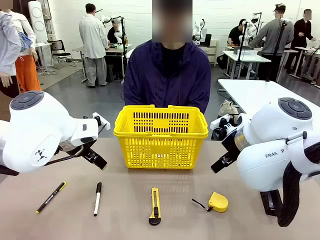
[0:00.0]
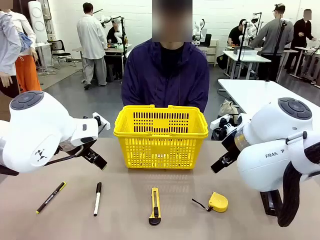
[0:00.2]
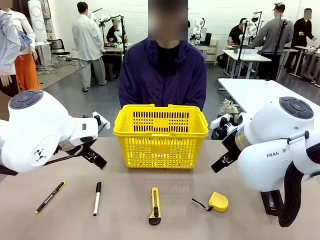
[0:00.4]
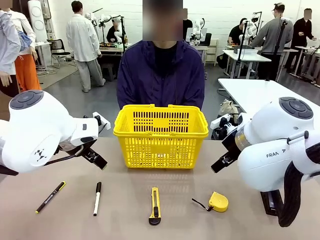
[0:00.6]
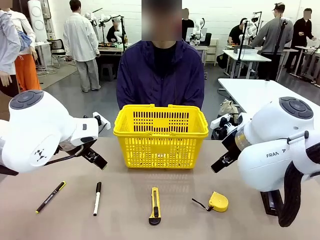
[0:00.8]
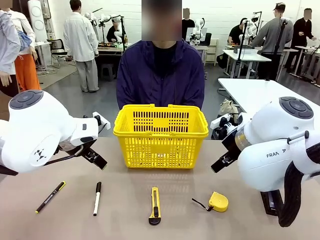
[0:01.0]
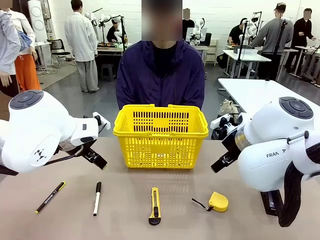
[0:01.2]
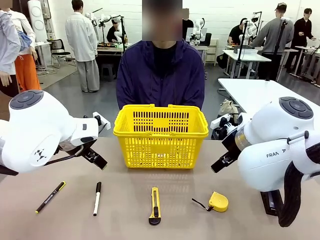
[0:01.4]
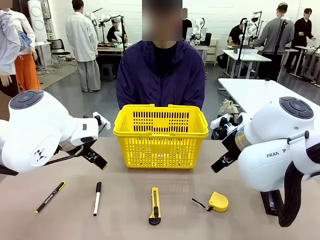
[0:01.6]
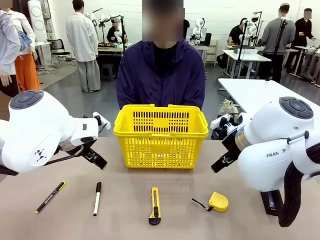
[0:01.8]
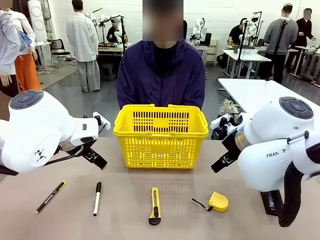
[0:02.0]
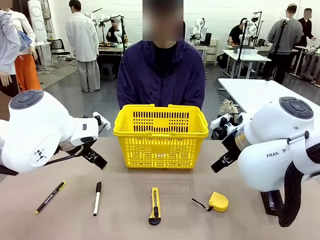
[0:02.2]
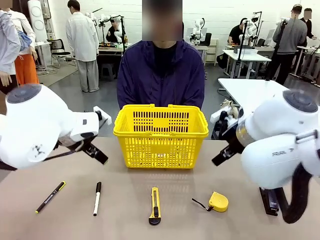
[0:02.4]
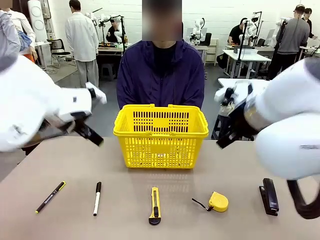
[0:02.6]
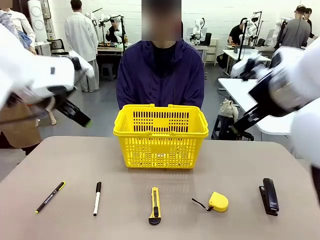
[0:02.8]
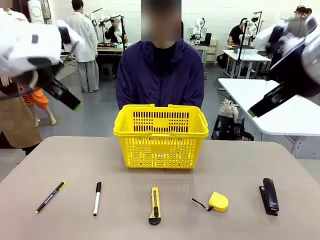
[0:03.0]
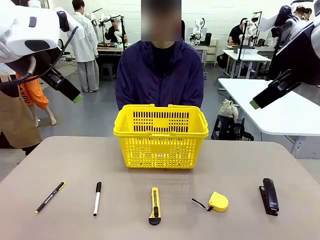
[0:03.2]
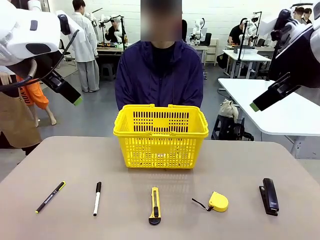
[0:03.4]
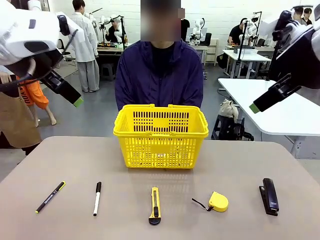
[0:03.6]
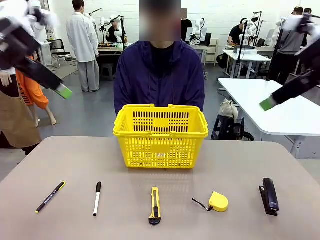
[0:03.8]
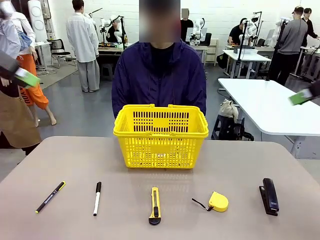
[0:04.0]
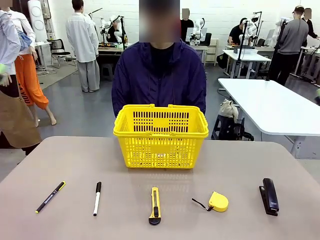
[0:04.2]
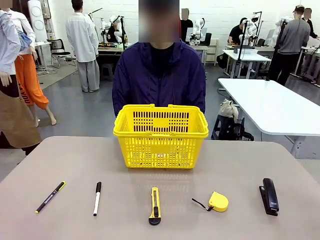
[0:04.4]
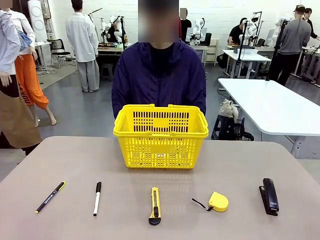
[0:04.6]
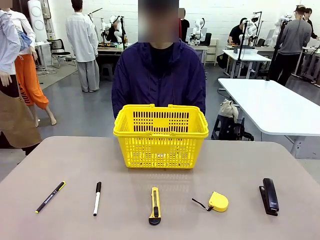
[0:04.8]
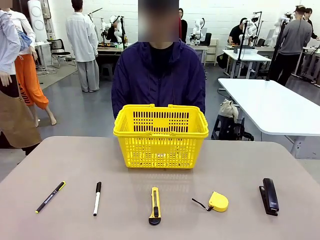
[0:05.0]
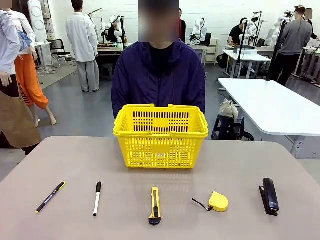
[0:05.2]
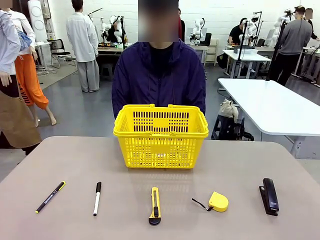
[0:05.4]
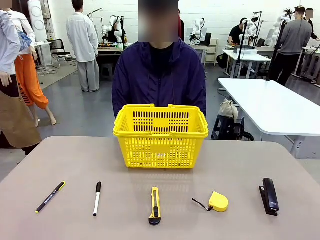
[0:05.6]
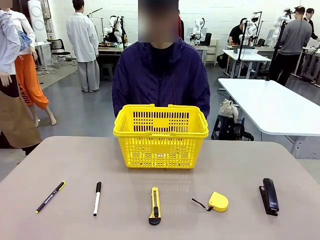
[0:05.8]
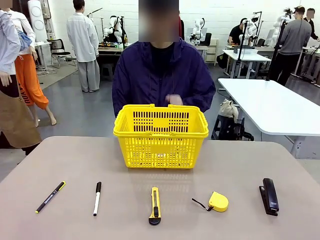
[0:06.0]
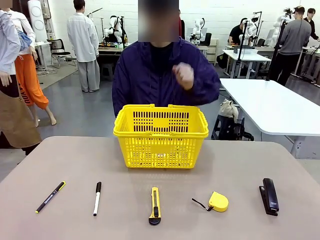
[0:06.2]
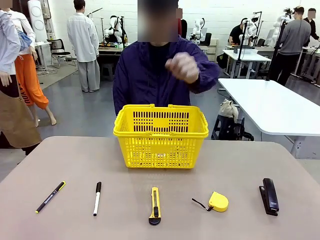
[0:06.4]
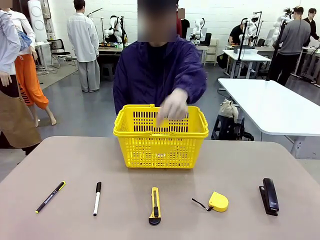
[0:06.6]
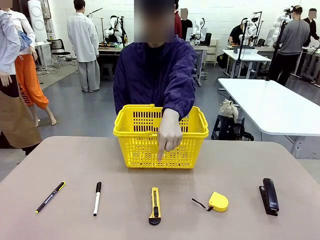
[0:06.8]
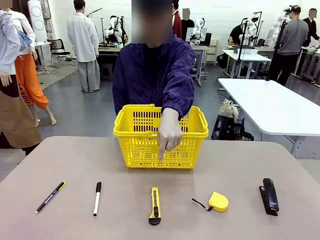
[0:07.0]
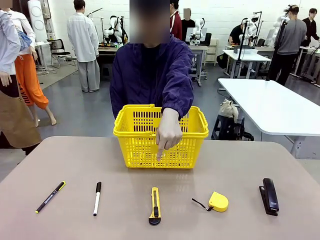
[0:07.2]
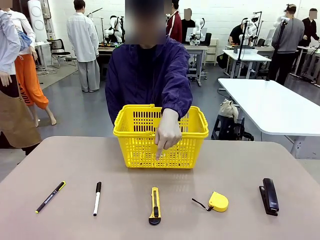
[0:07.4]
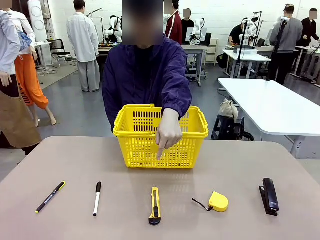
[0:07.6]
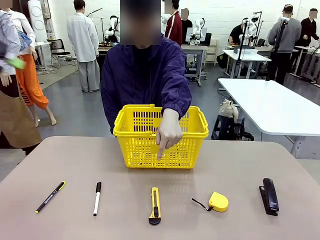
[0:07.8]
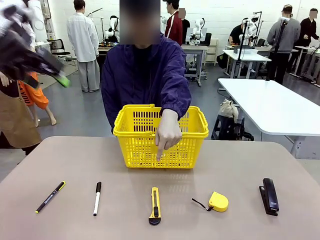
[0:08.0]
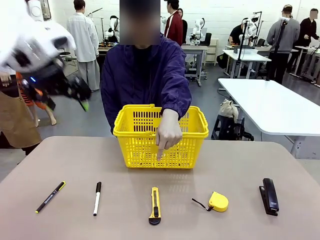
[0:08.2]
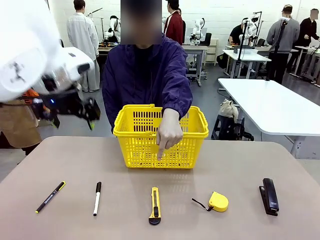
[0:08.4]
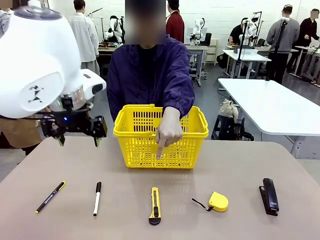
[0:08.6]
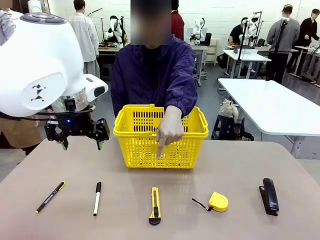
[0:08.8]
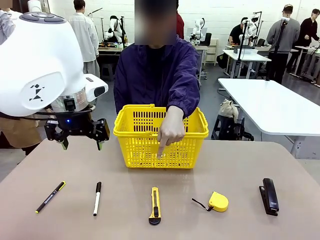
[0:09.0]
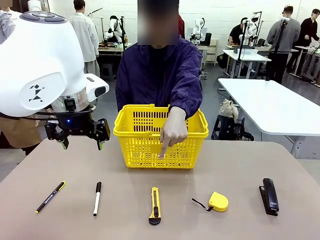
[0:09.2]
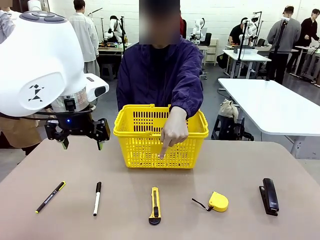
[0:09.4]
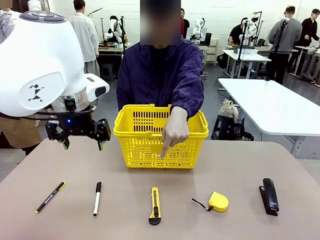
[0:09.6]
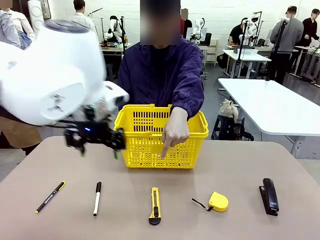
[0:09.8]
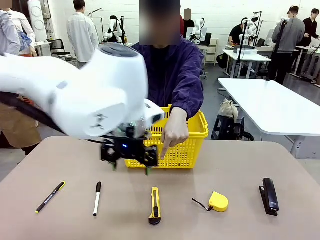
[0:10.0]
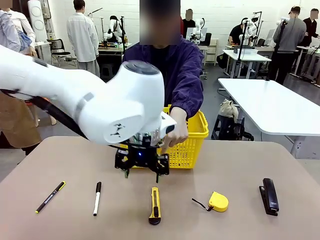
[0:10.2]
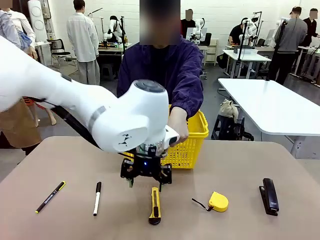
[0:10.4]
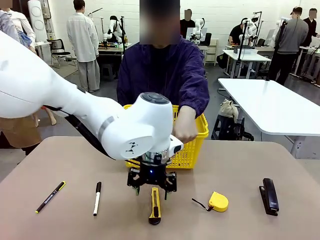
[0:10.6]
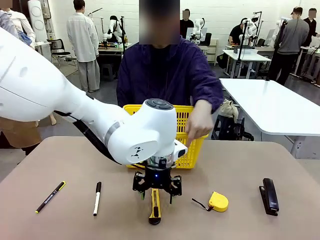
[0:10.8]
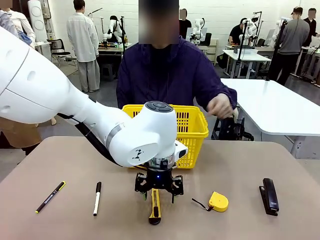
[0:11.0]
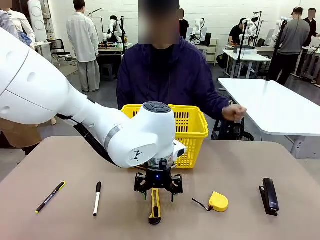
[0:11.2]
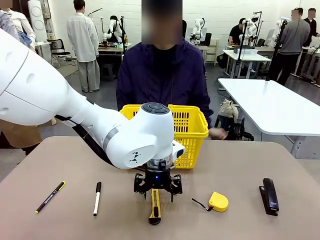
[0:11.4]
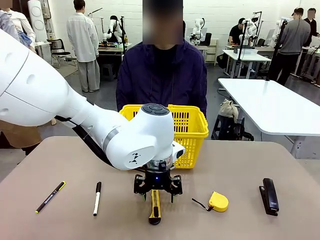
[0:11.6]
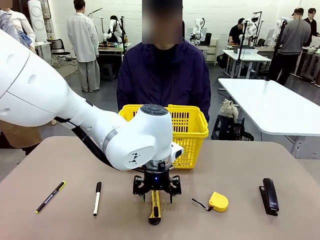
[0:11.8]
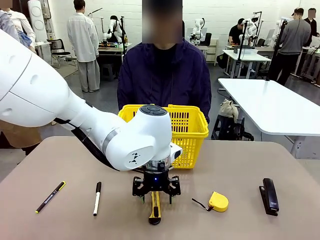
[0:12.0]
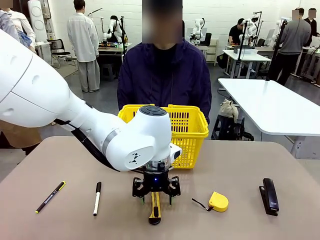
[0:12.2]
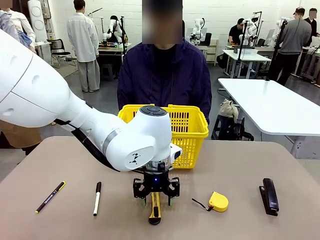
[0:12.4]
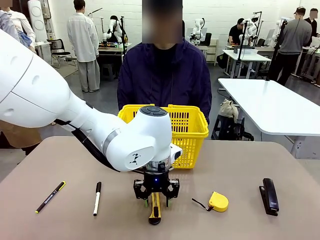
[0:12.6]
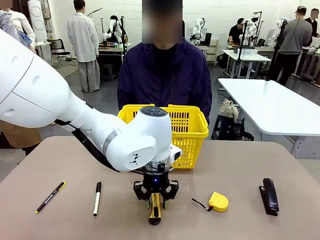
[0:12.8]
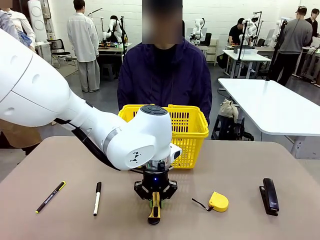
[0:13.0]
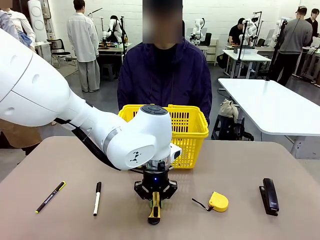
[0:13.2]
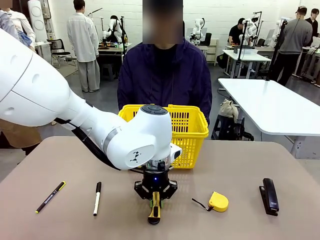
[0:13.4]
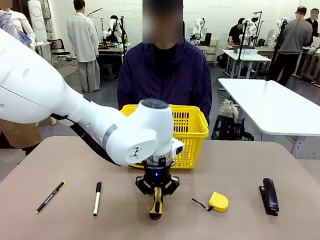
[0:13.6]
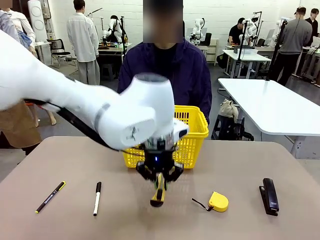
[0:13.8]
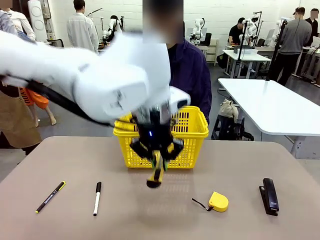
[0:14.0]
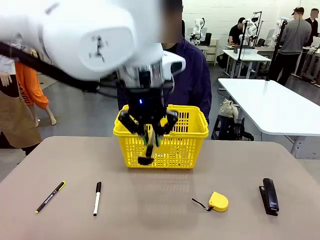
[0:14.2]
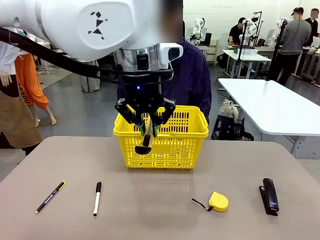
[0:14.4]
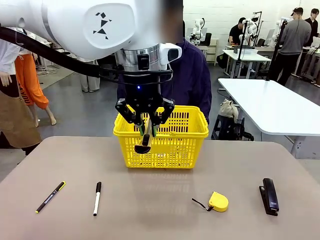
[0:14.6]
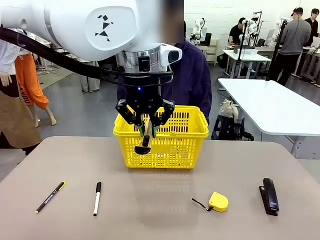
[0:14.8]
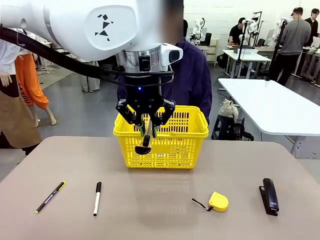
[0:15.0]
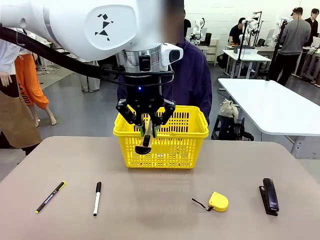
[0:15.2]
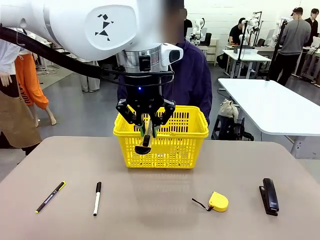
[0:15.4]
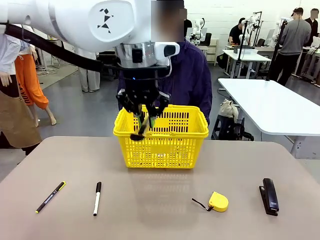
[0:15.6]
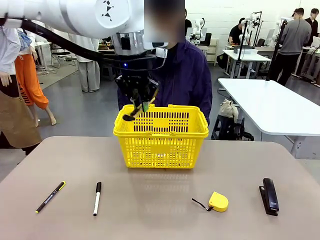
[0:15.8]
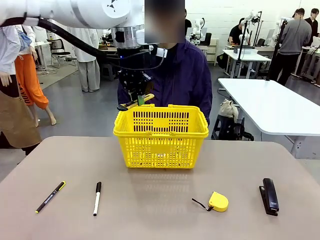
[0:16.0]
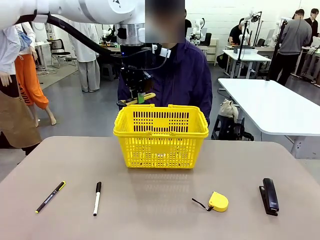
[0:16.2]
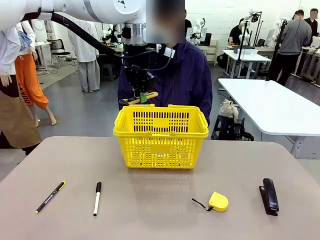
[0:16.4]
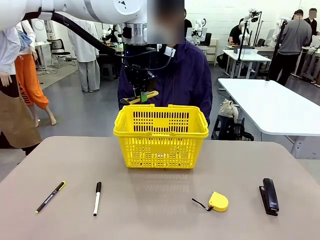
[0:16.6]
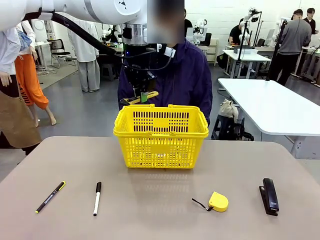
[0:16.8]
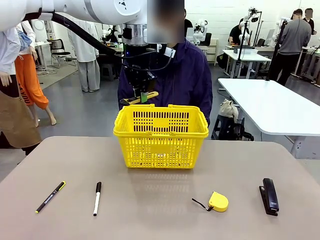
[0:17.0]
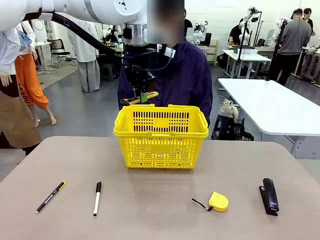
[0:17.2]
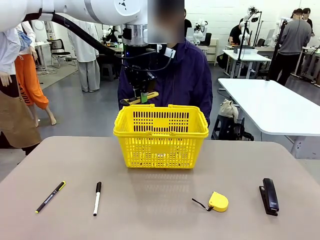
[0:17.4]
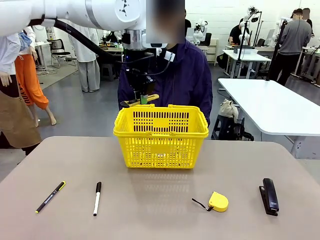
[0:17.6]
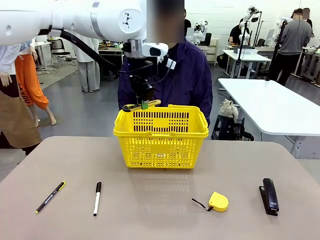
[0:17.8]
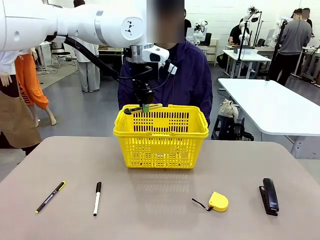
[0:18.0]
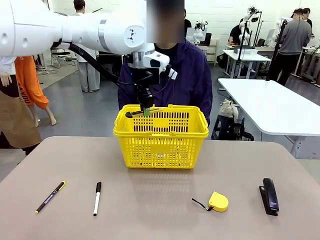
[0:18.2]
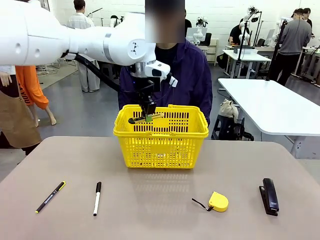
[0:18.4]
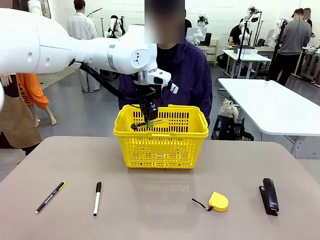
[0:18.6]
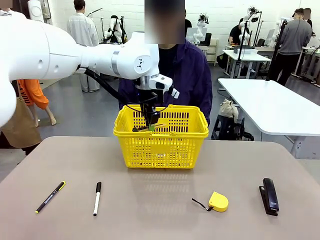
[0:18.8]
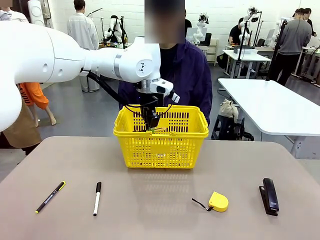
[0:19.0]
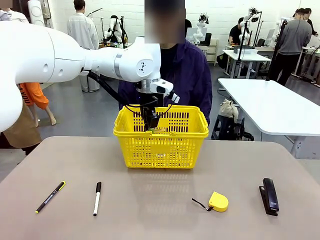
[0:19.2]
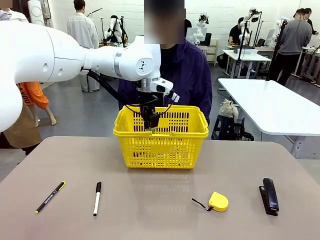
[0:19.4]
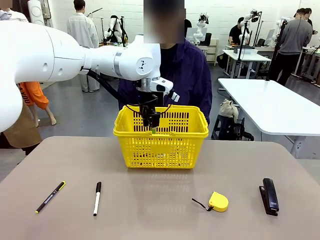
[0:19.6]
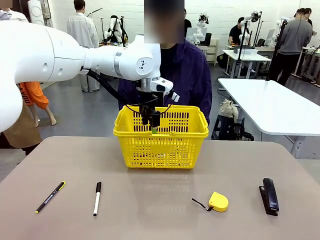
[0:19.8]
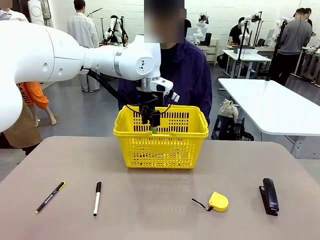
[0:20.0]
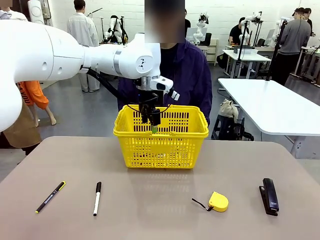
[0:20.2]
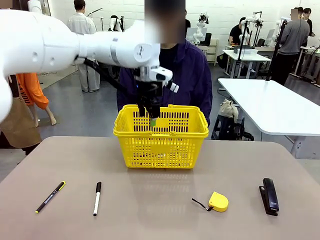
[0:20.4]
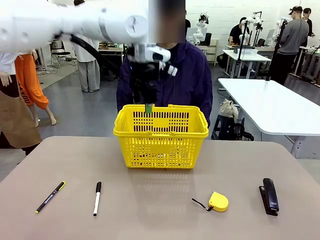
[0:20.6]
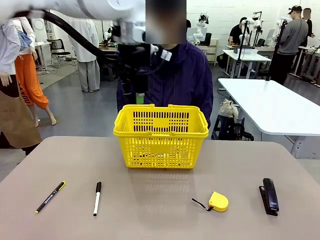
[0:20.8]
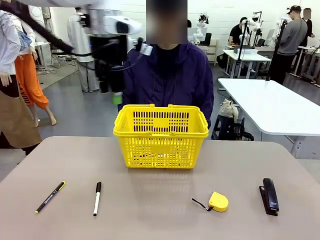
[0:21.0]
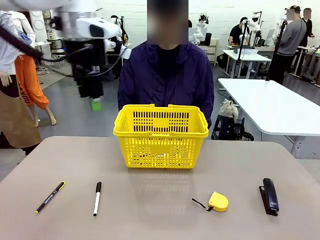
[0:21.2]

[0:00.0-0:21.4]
Task: Place the items the person wants into the basket.
Robot: Pick up the item the person points to and place it in the Market Basket.
